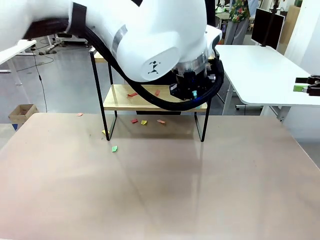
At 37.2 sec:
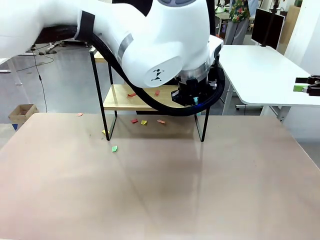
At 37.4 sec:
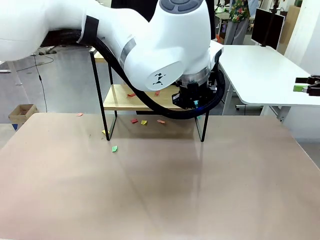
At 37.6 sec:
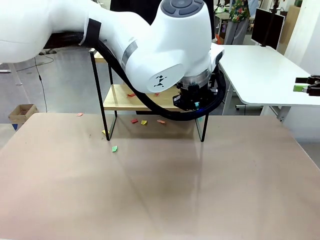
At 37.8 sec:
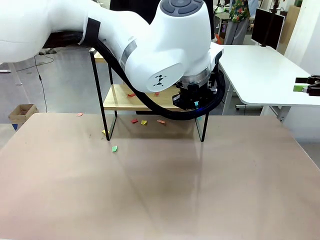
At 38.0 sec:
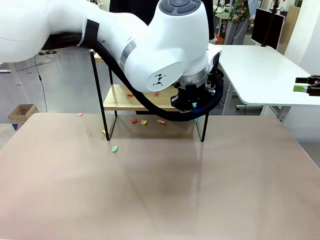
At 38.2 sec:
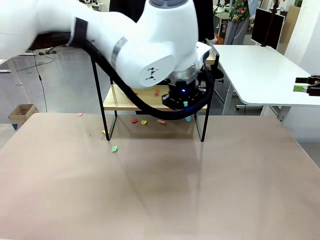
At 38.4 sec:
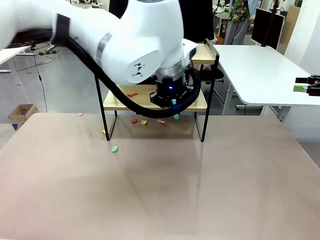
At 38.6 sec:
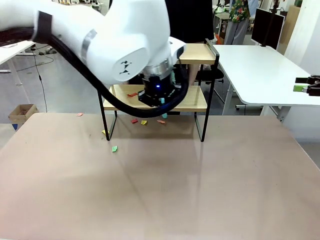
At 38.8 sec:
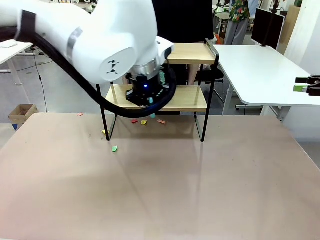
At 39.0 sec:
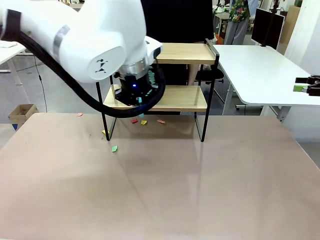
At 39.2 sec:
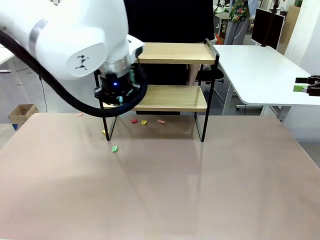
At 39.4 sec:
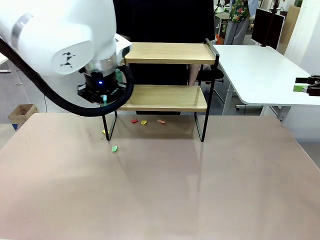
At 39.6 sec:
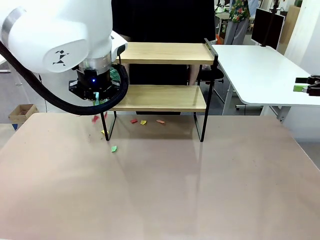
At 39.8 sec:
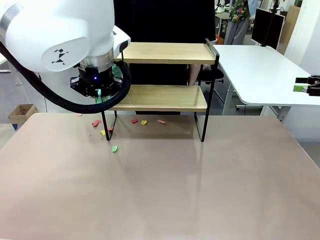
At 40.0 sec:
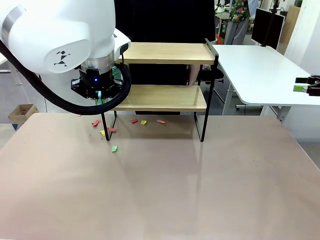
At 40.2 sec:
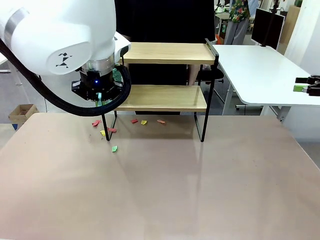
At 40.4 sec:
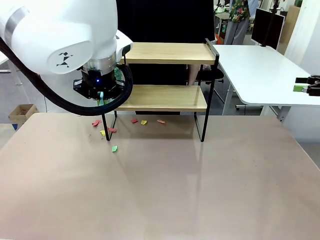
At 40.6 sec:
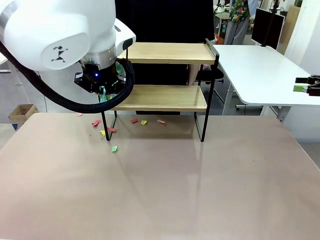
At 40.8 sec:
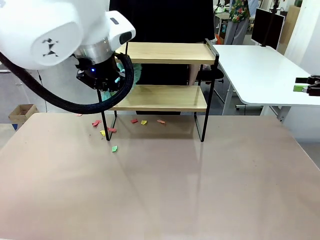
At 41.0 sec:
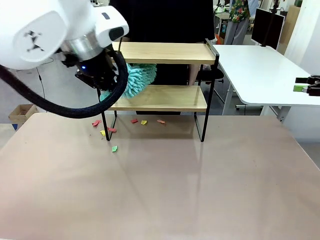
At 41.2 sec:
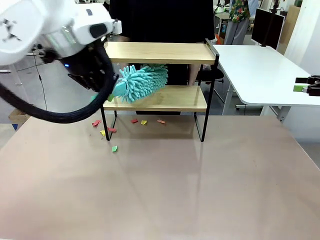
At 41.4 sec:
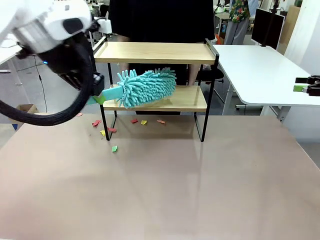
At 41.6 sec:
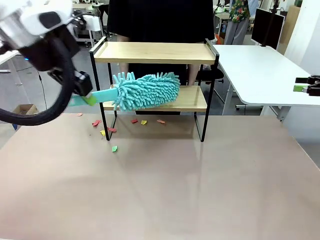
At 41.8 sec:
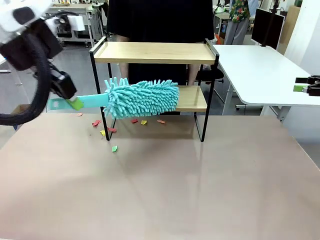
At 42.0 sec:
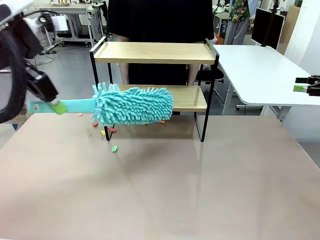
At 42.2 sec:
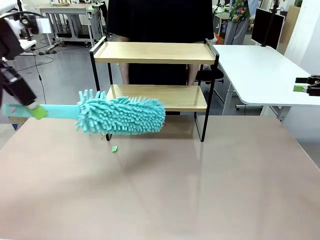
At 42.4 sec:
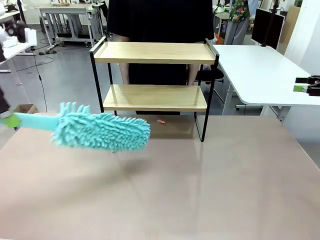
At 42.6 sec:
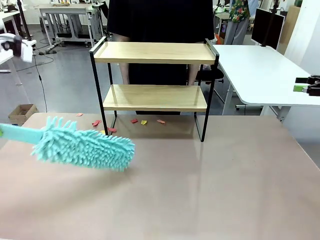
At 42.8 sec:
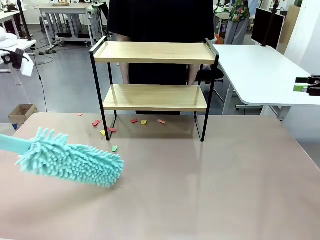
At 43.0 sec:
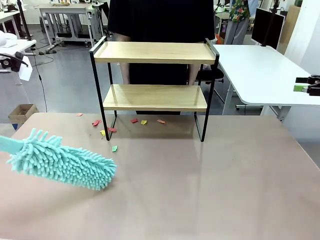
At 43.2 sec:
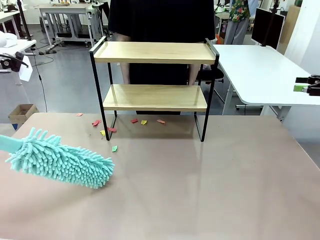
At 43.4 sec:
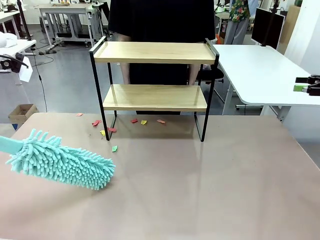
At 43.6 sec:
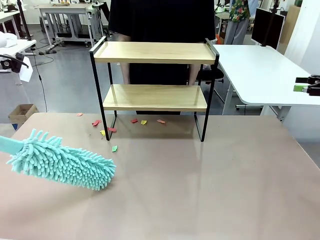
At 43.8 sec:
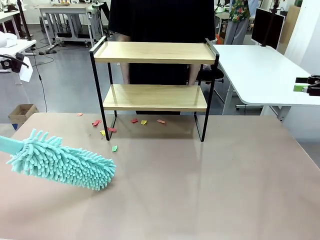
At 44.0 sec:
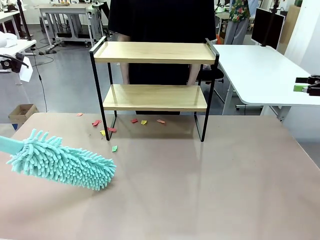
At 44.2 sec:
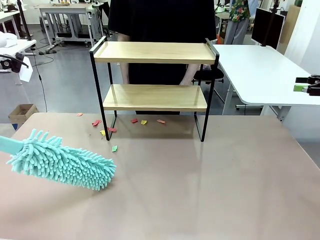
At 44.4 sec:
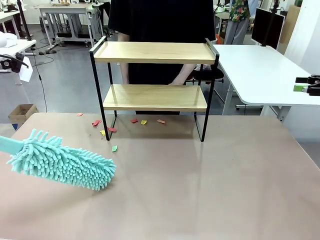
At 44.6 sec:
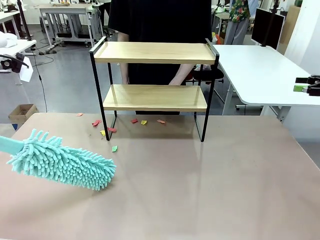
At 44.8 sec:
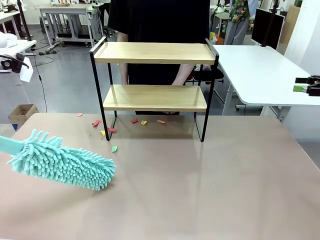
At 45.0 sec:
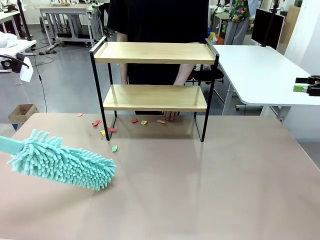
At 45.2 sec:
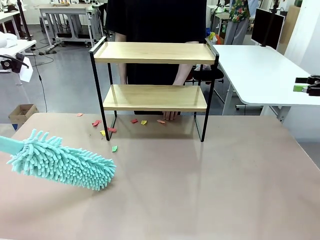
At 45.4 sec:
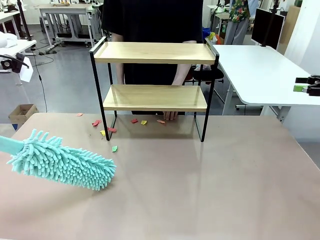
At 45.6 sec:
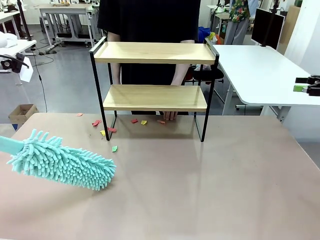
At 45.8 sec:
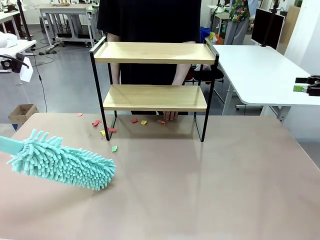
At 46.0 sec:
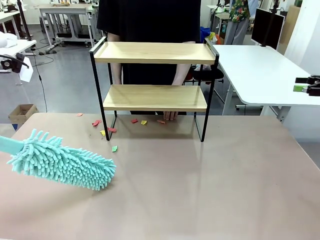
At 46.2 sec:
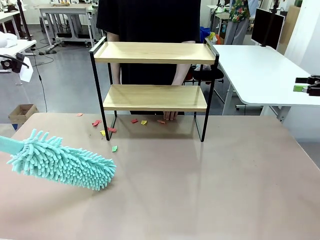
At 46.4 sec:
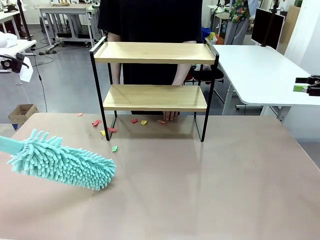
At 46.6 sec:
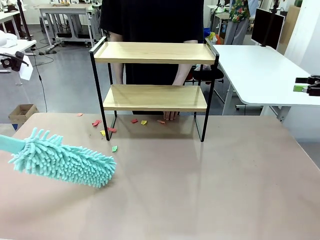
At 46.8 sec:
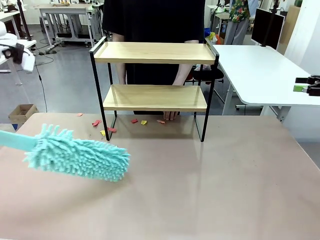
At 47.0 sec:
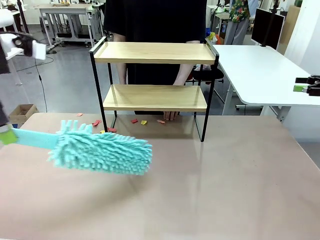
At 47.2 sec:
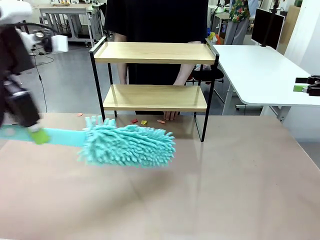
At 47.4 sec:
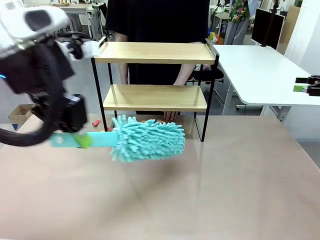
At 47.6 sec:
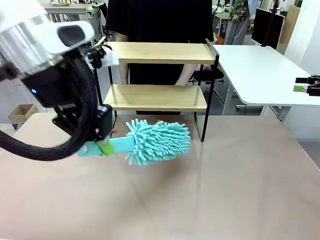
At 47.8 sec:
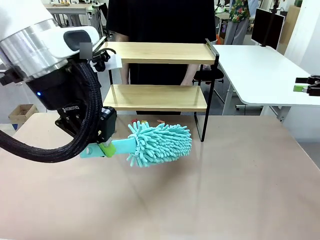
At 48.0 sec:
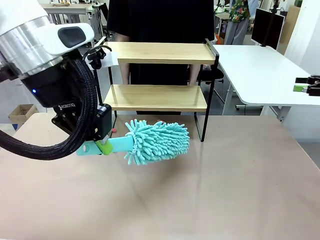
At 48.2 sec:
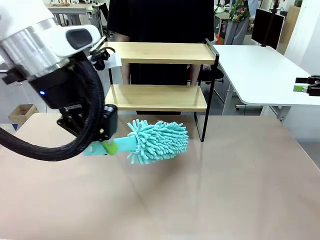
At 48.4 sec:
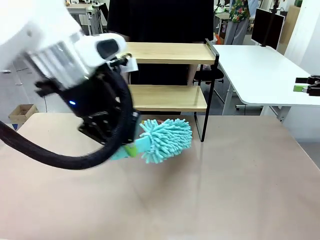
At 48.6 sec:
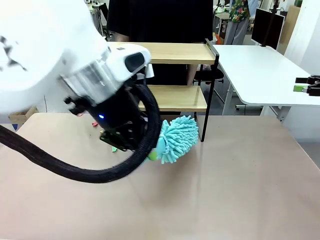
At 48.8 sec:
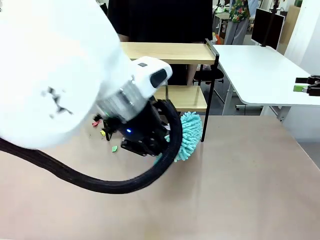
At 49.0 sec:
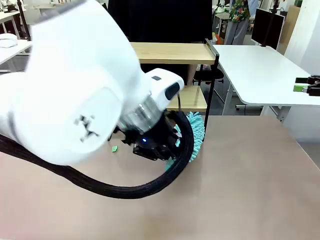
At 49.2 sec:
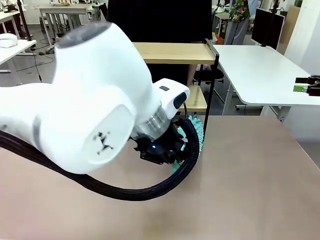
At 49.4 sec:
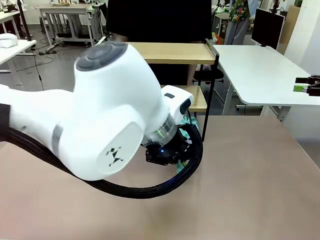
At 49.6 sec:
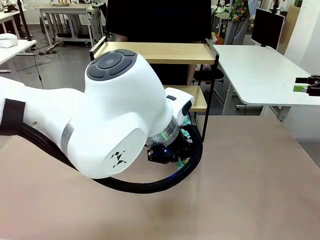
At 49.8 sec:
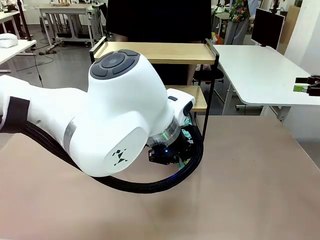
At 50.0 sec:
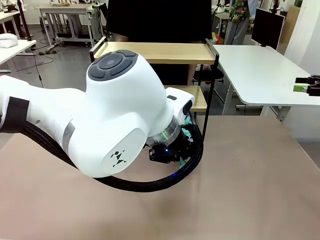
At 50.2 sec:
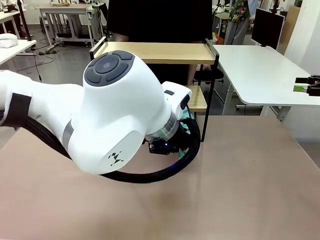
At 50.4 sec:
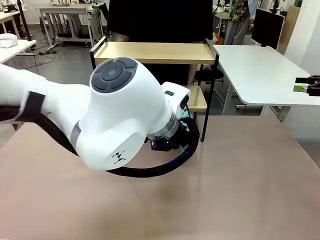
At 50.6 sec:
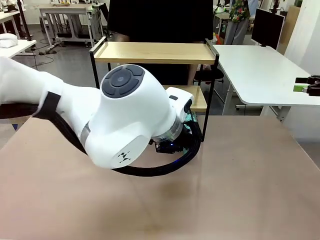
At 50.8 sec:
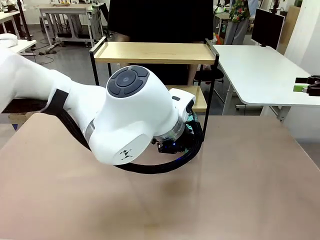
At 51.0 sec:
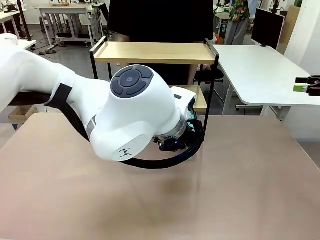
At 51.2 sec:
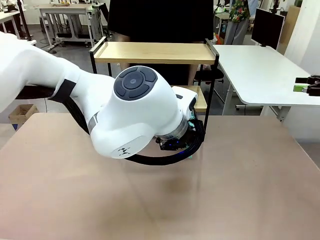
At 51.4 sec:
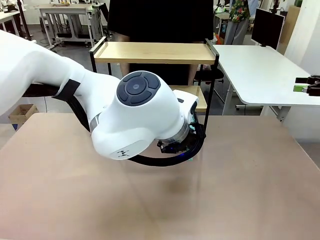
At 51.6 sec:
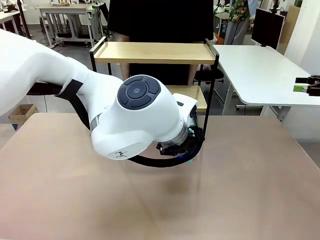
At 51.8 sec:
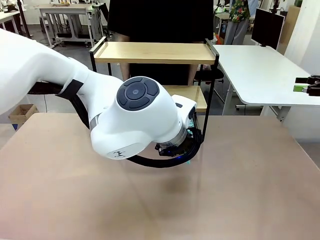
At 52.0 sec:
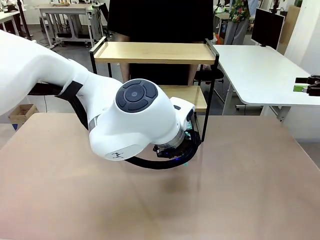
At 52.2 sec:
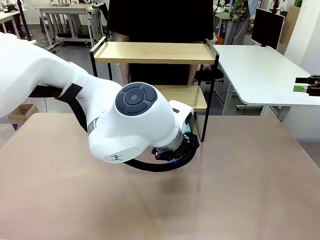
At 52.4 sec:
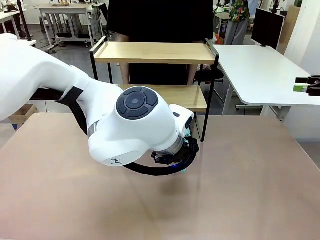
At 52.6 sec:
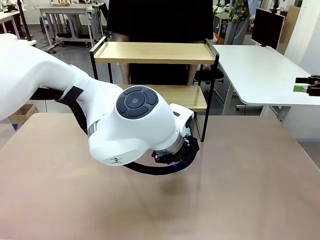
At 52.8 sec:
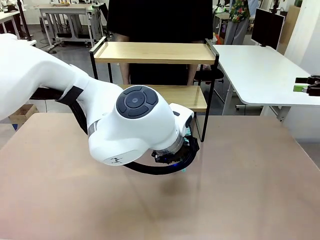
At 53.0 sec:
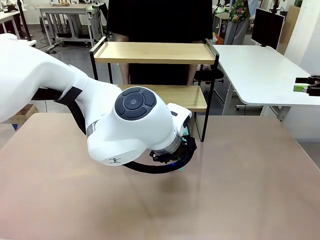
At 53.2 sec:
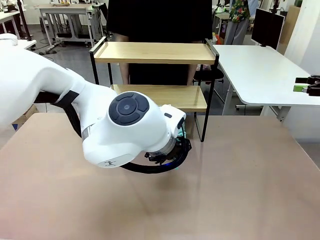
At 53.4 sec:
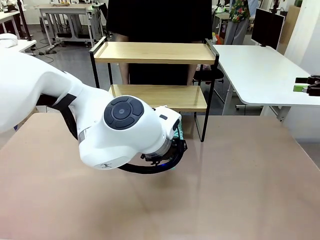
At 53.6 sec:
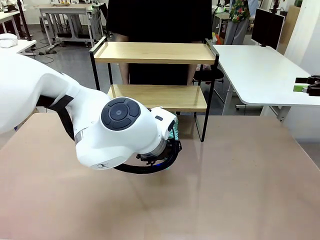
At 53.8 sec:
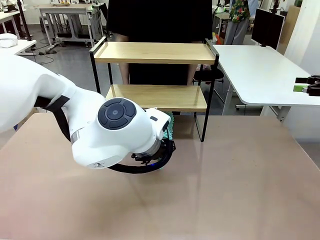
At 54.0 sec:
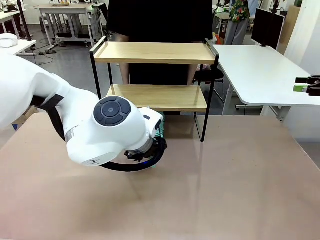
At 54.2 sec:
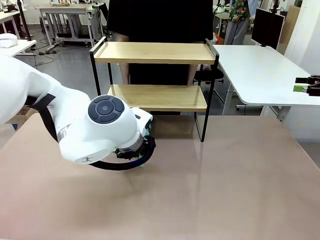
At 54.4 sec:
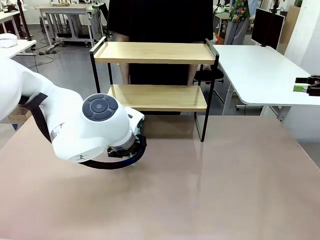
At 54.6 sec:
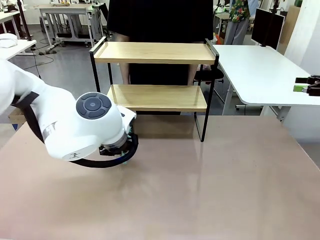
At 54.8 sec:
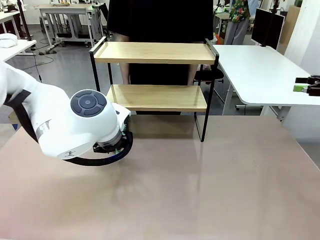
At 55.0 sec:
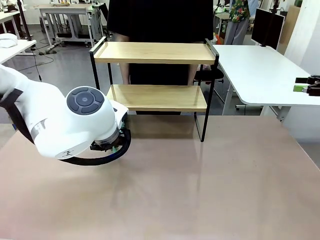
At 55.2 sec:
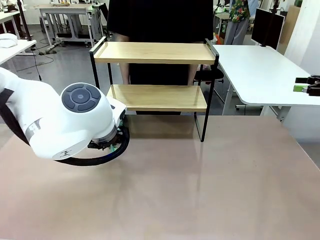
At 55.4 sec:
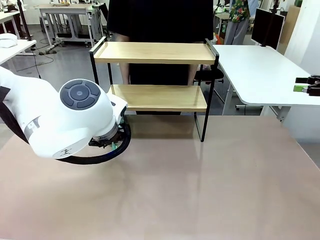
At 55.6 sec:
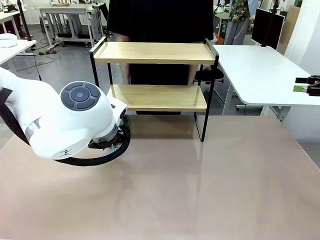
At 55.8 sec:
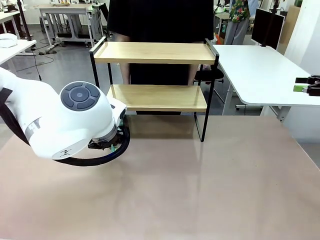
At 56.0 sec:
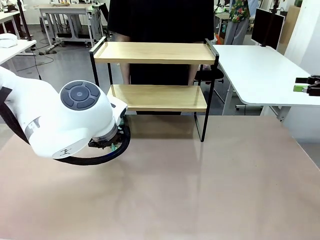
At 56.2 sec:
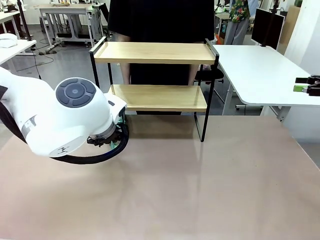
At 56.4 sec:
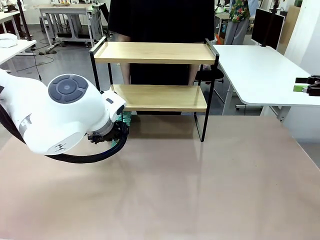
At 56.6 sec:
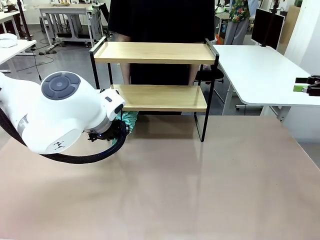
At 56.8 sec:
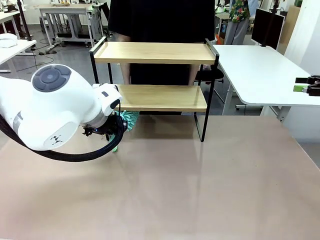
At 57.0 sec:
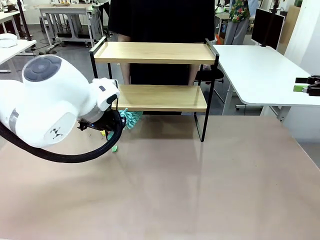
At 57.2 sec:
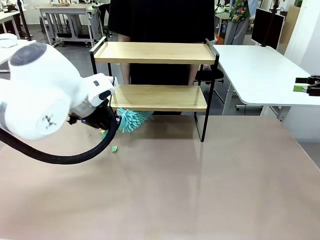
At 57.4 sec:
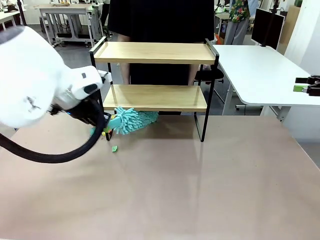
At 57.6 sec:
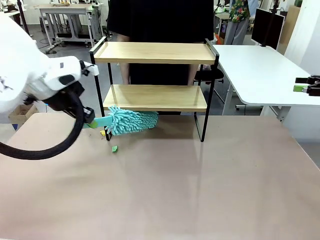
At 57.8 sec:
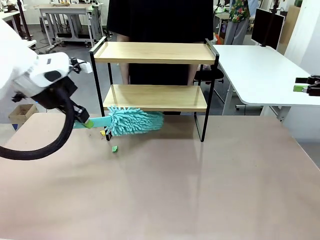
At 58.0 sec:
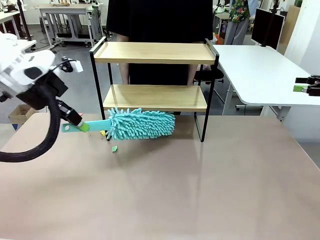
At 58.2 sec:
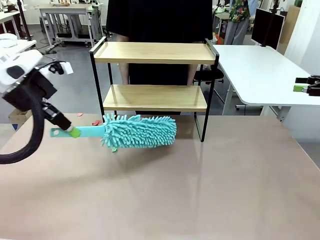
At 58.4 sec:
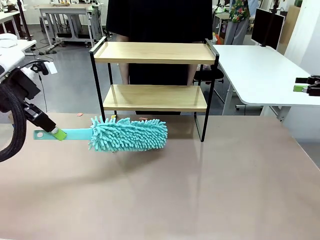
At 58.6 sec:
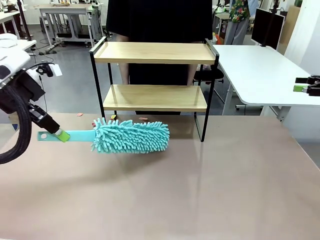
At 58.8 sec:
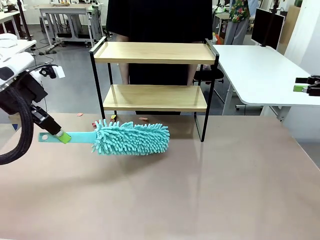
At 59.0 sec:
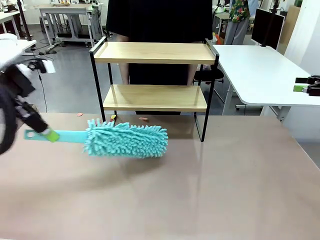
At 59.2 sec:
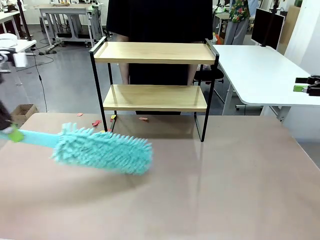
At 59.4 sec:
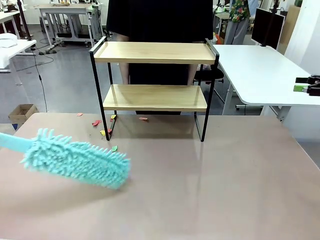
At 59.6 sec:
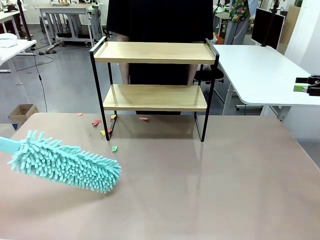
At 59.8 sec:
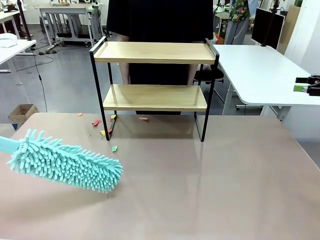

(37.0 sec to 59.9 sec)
Task: Clean the shelf.
Robot: Clean the specific section of the Shelf indicated by the human with the Duster.
Person: Point a remaining section of the Shelf.
